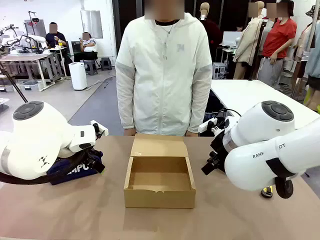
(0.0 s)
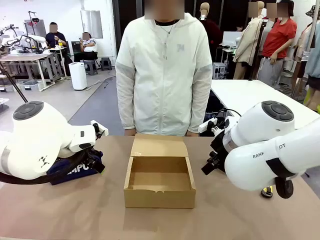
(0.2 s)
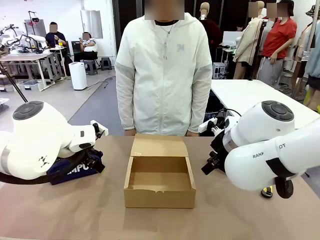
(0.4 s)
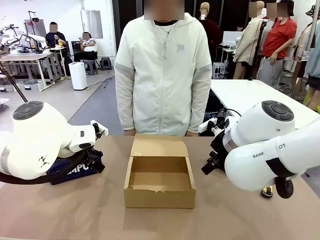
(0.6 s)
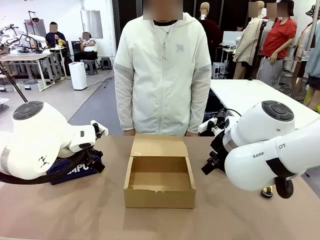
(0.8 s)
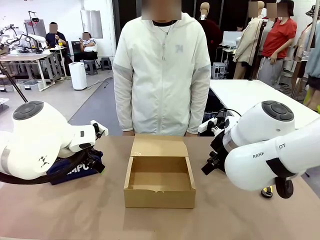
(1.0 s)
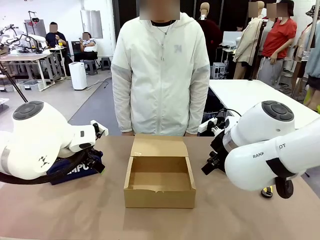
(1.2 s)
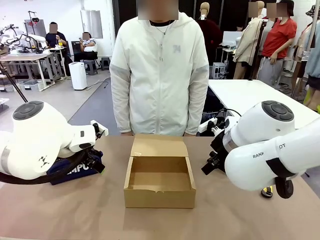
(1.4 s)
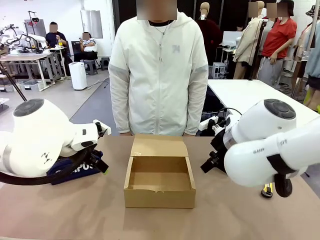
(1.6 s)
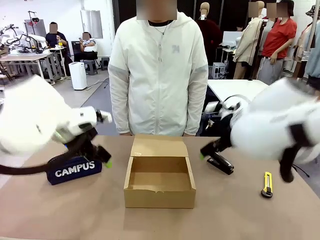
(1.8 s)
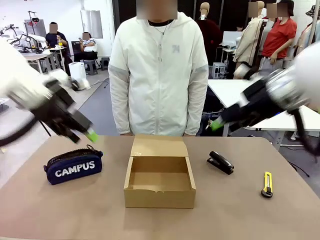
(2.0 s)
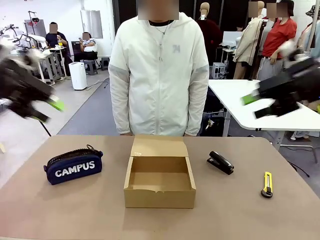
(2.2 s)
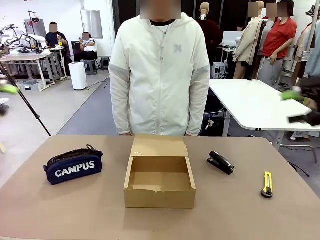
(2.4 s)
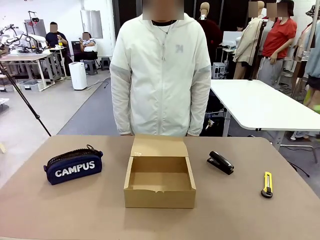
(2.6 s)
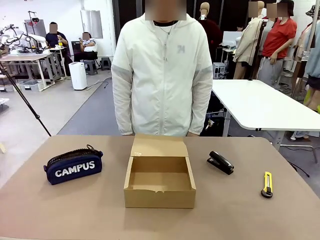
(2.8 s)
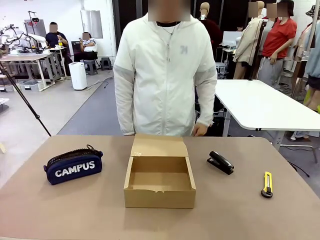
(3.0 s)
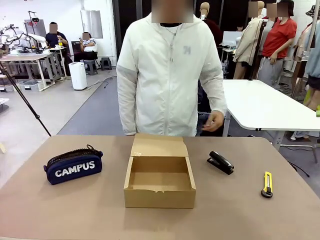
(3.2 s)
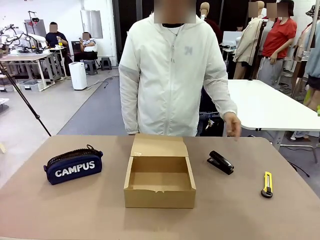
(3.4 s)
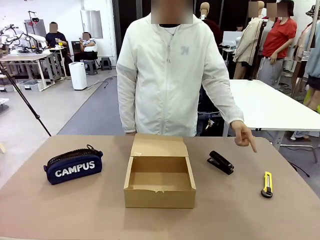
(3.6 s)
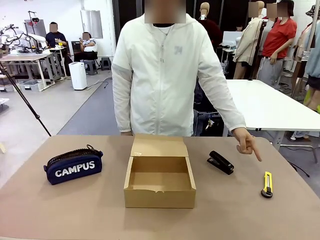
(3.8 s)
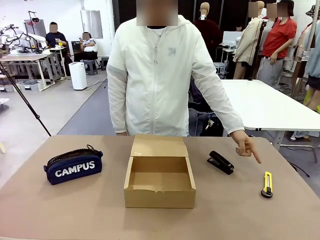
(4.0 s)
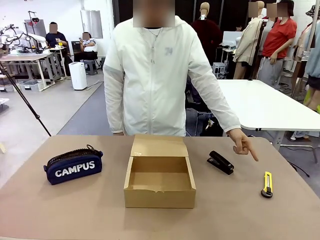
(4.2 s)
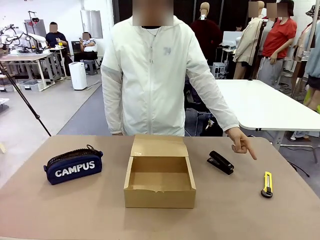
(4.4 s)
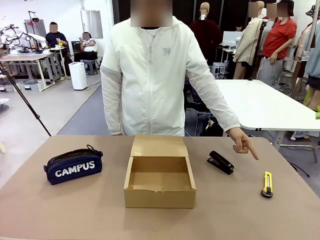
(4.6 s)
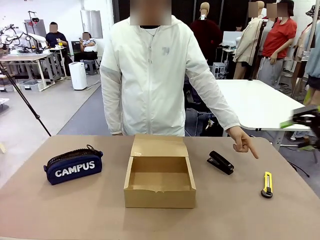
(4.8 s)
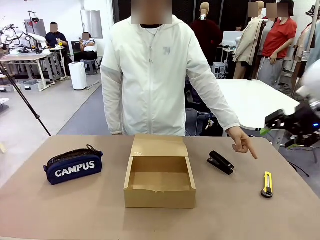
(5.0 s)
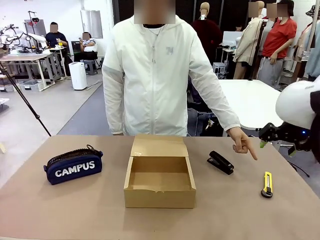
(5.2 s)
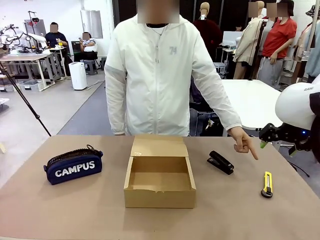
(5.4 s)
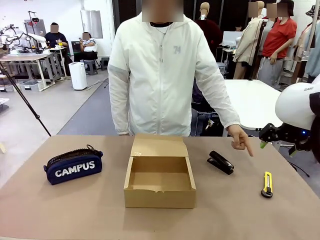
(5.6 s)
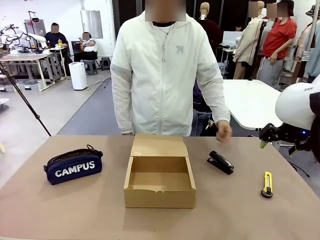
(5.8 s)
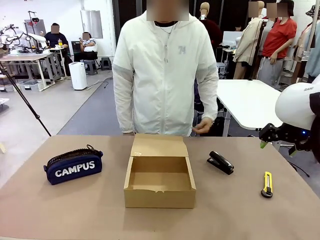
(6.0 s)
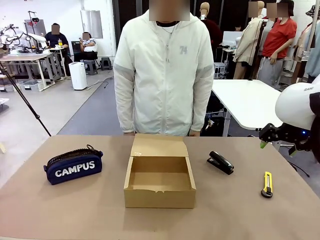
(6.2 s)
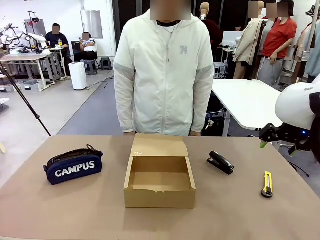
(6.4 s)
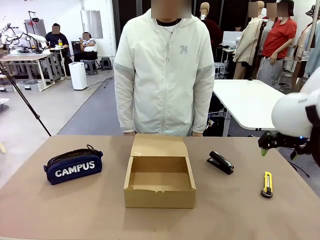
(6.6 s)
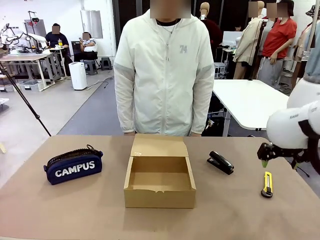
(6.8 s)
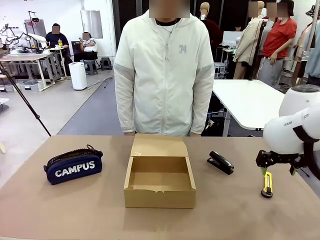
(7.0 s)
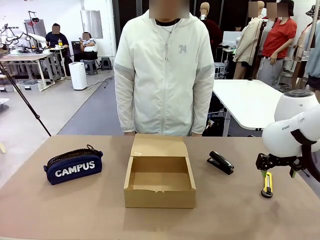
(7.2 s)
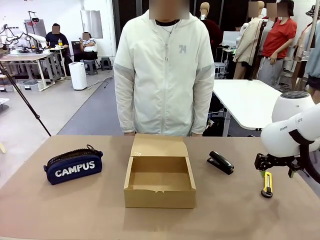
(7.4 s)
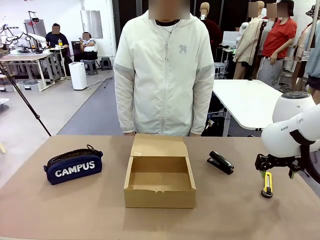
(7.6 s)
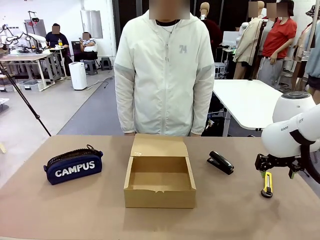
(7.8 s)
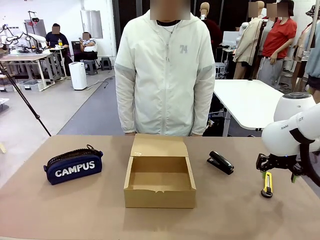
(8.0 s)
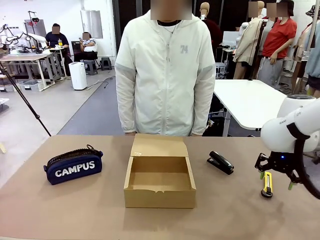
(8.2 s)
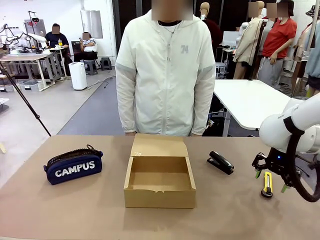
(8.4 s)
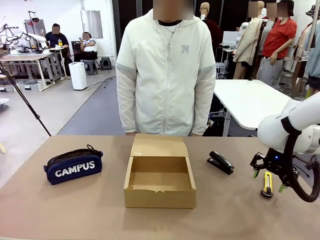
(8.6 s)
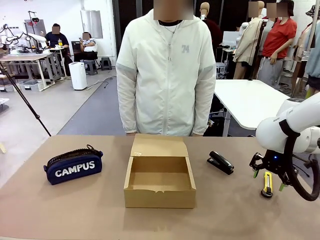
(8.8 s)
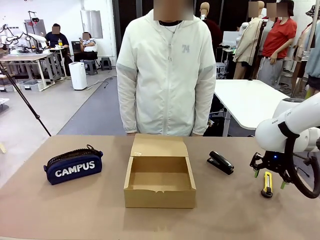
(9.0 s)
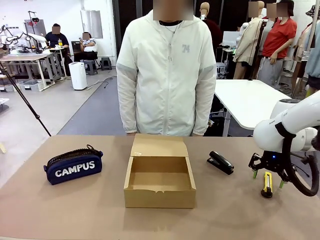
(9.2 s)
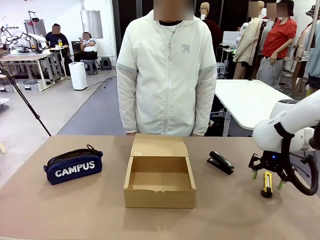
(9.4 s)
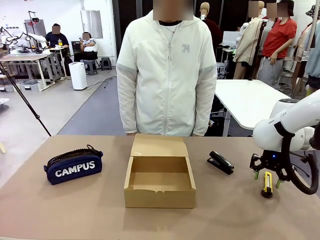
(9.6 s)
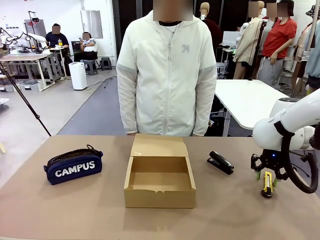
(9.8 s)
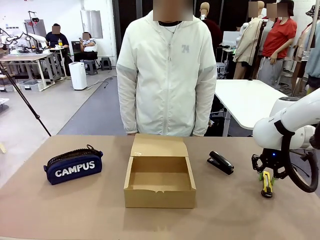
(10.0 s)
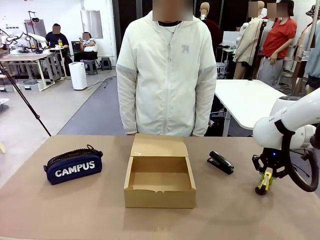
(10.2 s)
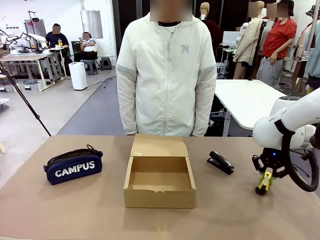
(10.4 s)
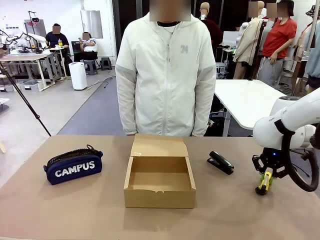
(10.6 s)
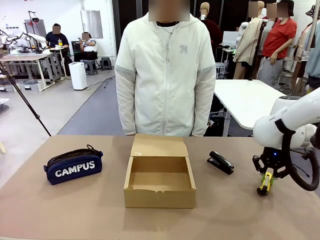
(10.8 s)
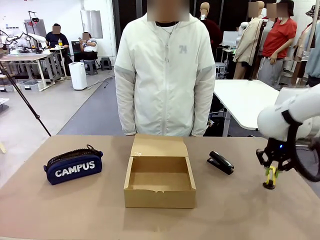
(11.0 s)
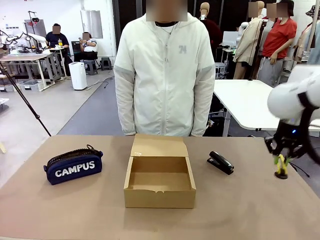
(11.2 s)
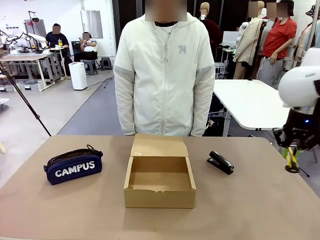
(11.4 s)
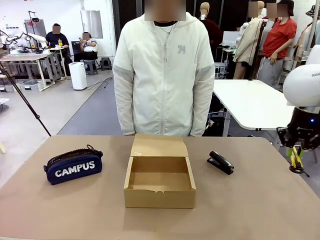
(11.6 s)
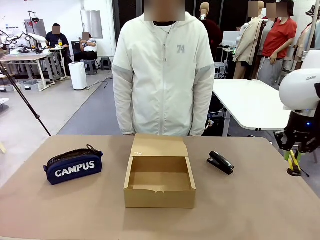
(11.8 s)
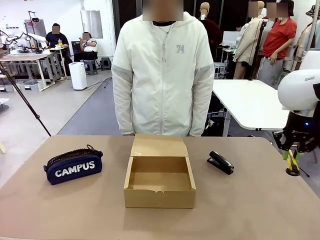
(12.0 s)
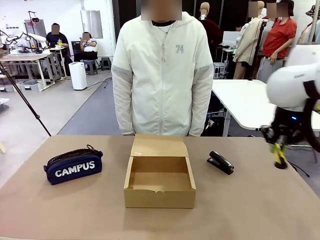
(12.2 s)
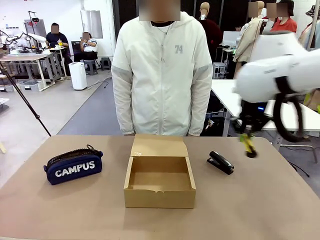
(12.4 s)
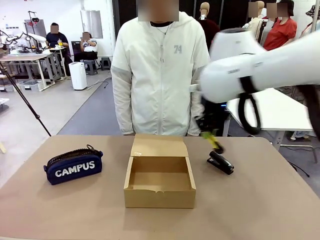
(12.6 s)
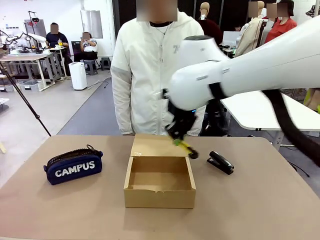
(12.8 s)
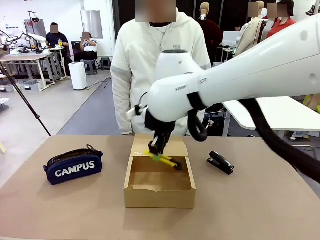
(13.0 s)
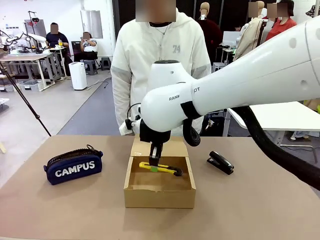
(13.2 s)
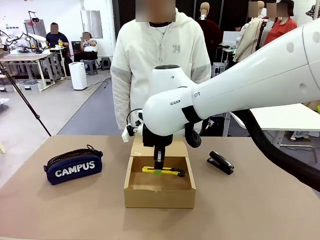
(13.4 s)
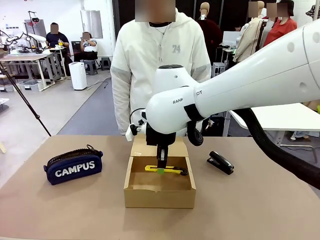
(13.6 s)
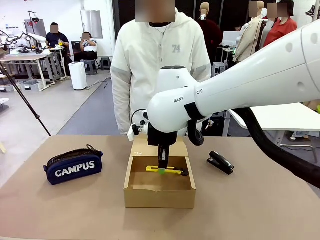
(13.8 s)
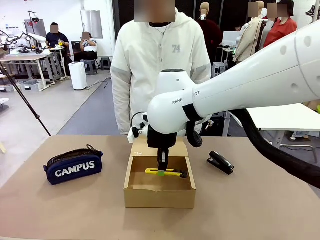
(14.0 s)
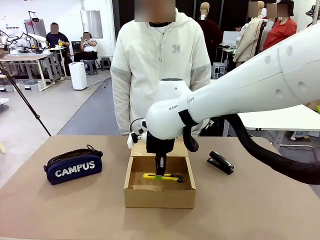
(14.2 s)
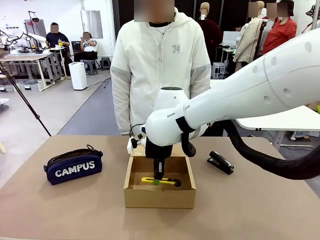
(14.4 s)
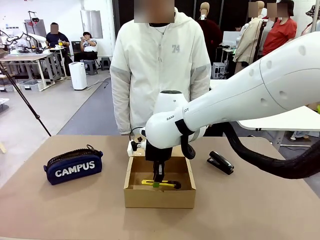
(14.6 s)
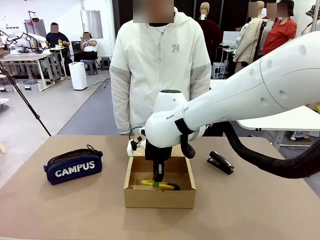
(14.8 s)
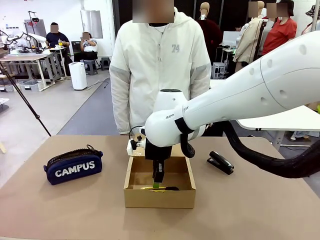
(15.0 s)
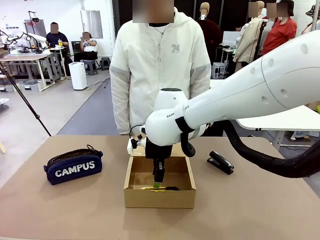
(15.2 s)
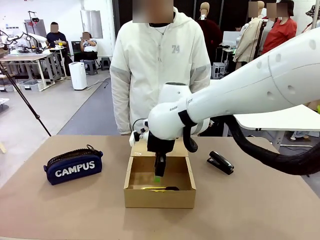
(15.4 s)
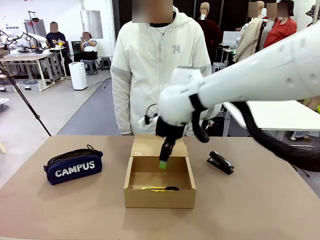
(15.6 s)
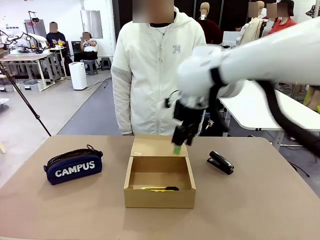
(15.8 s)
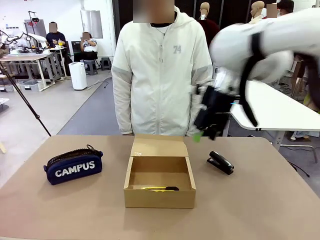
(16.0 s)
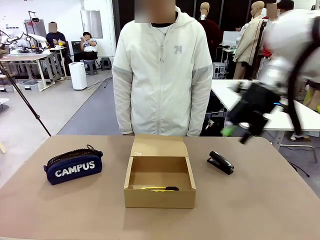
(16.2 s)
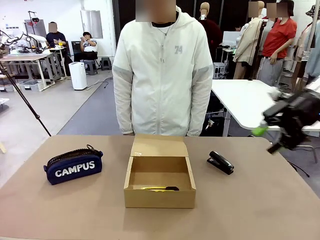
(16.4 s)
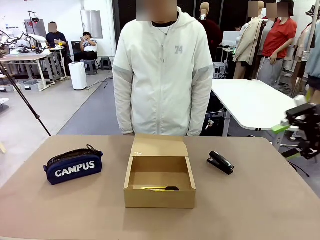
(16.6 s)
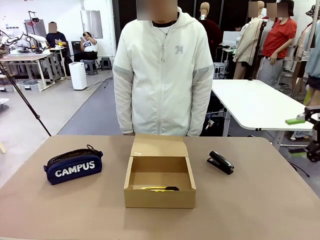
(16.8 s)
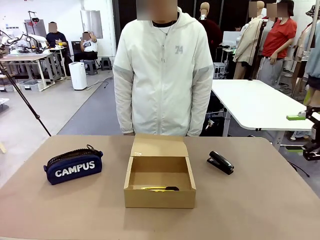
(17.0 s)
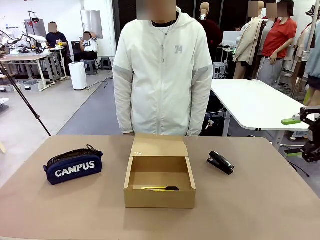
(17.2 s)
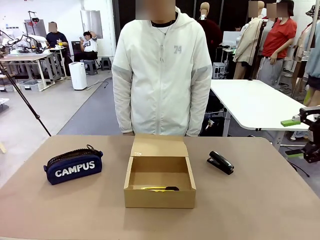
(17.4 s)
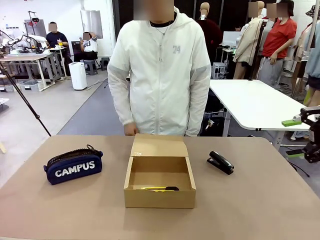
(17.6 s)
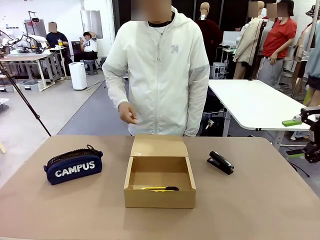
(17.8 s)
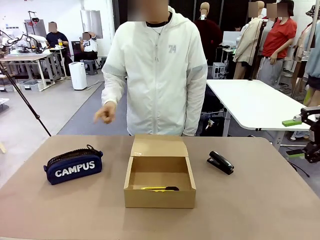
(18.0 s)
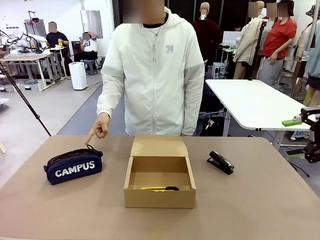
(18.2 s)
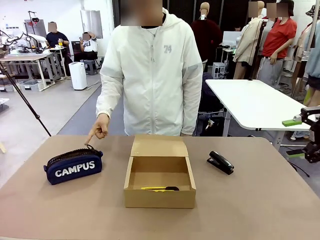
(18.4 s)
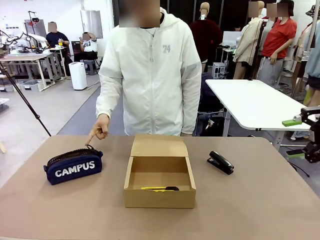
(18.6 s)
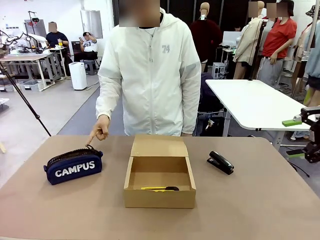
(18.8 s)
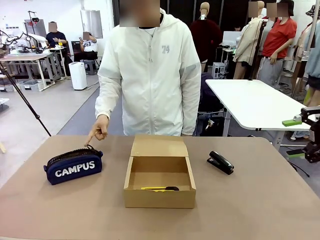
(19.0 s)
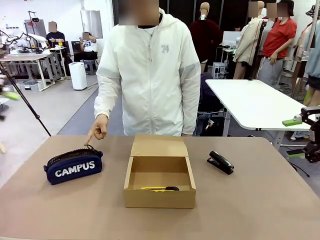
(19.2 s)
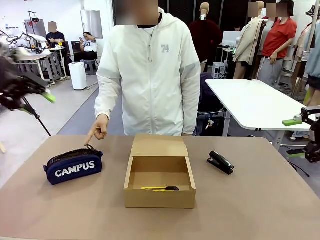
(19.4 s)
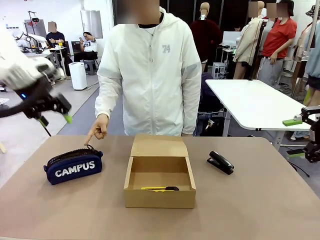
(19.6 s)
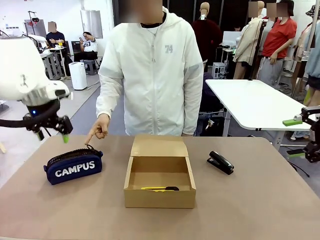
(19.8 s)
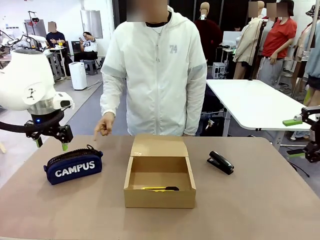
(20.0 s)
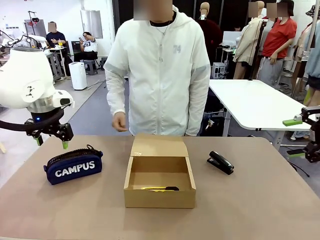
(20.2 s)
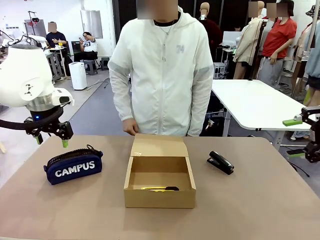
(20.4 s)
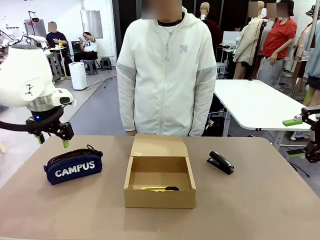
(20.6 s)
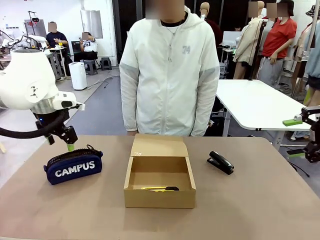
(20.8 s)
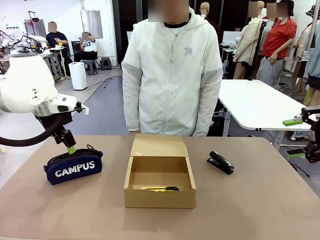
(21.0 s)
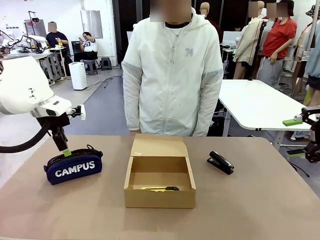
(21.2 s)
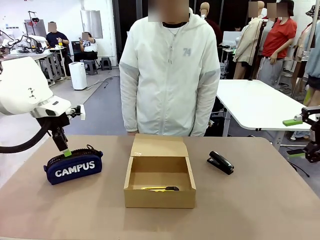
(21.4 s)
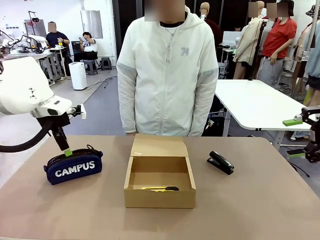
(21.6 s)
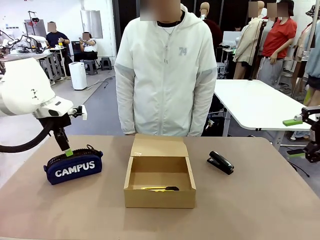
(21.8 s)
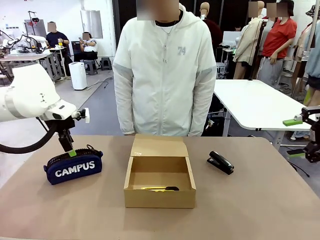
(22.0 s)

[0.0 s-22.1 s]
Task: Pack the items into the box.
Robot: Pick up the item indicated by the person and place it inside the Mailer Box.
Person: Point at one item on the table (excluding the box).
